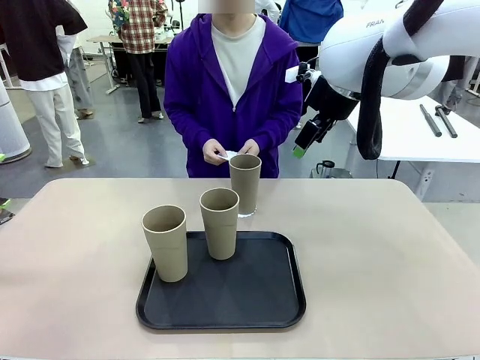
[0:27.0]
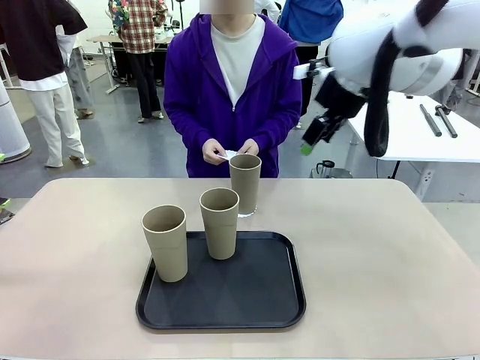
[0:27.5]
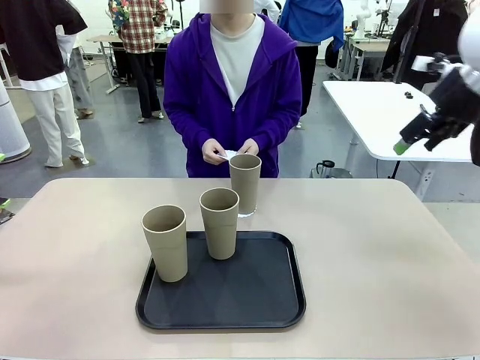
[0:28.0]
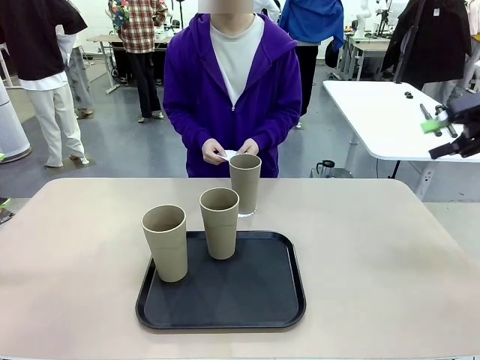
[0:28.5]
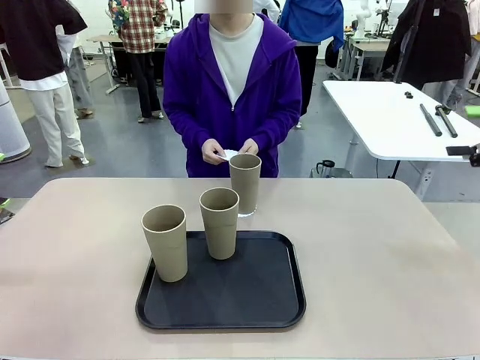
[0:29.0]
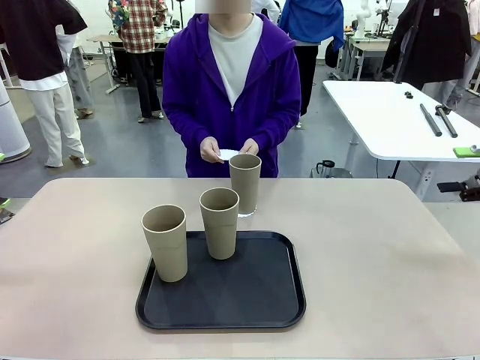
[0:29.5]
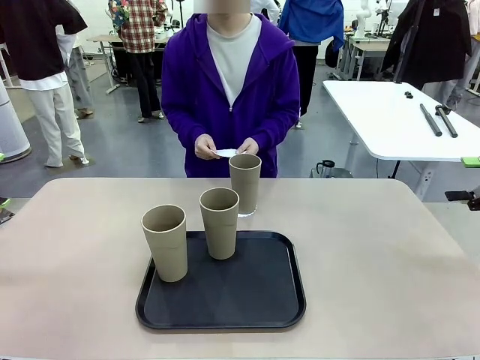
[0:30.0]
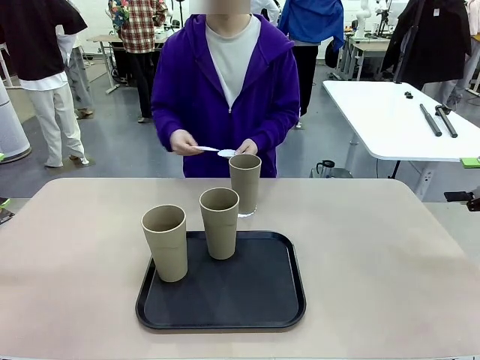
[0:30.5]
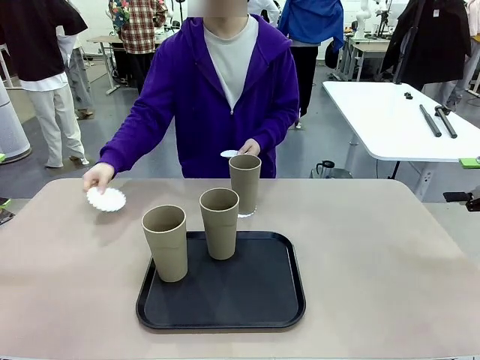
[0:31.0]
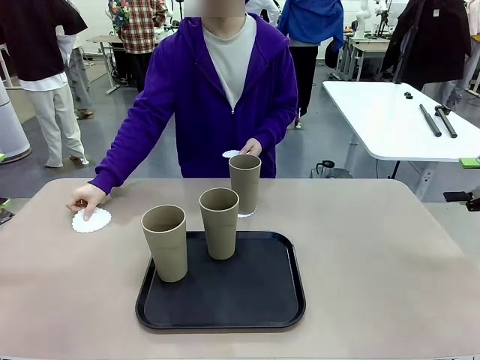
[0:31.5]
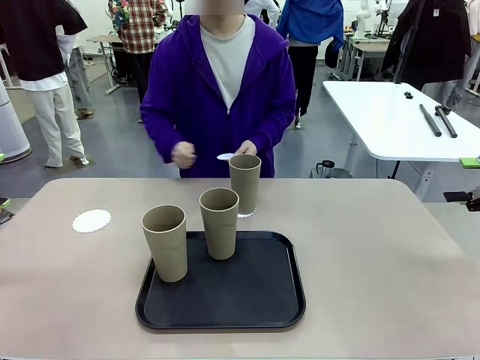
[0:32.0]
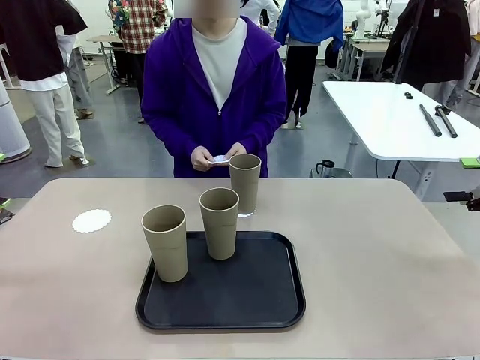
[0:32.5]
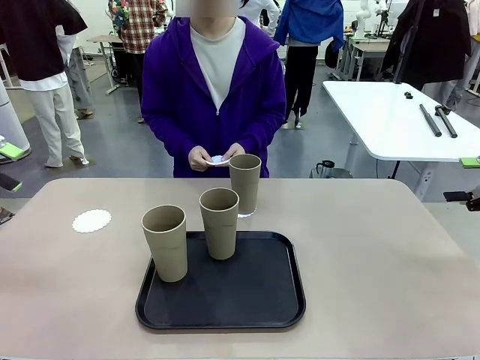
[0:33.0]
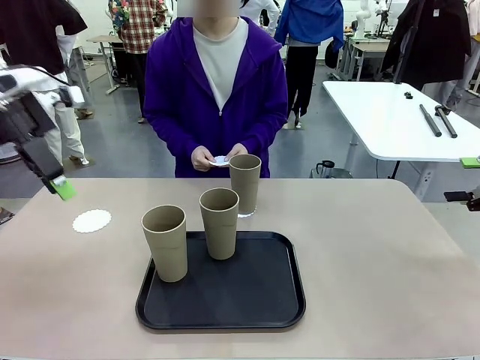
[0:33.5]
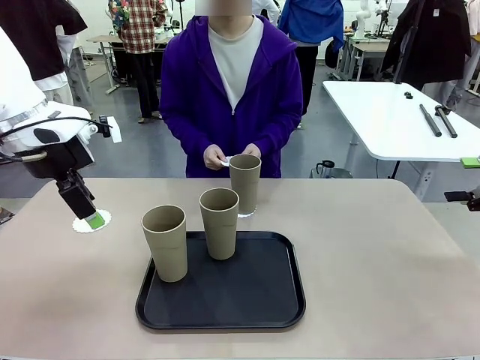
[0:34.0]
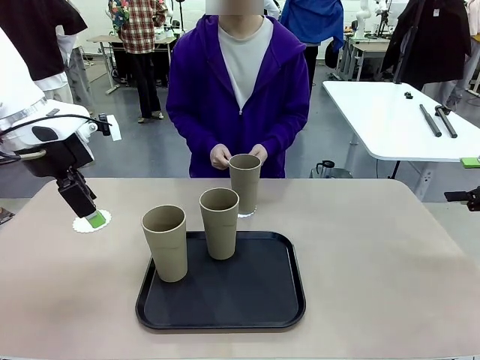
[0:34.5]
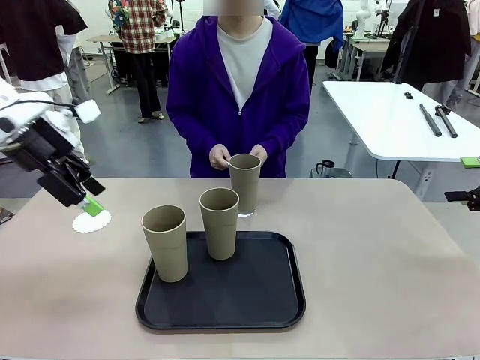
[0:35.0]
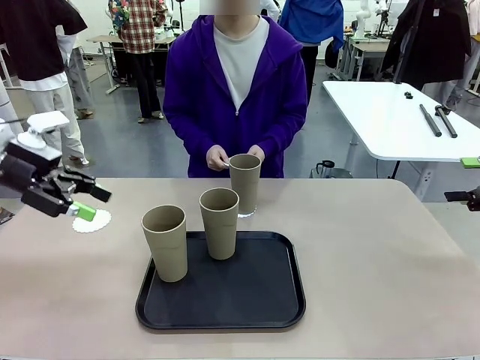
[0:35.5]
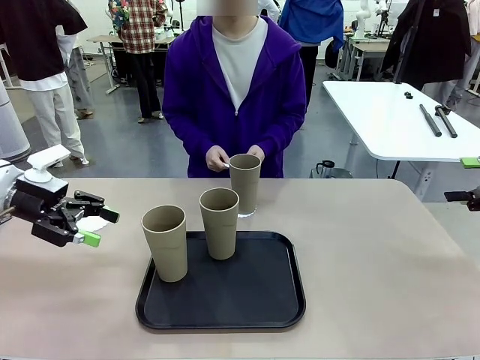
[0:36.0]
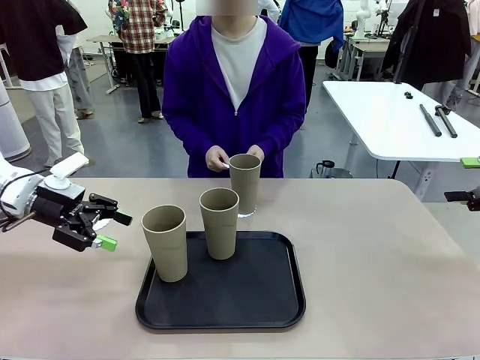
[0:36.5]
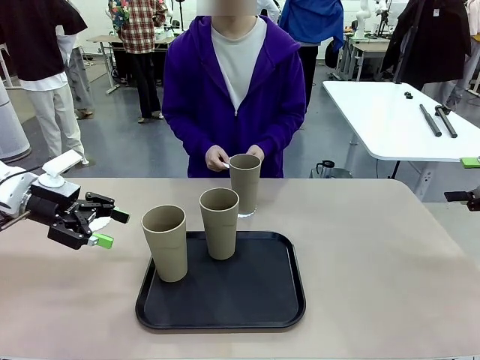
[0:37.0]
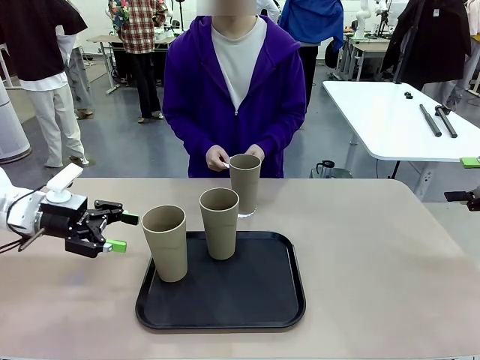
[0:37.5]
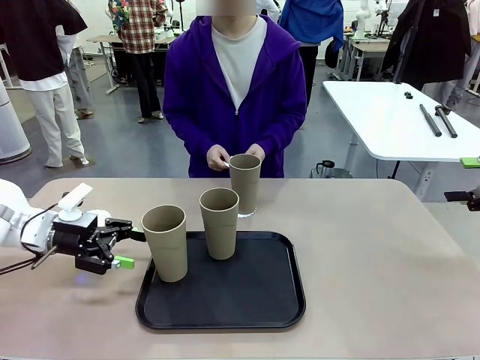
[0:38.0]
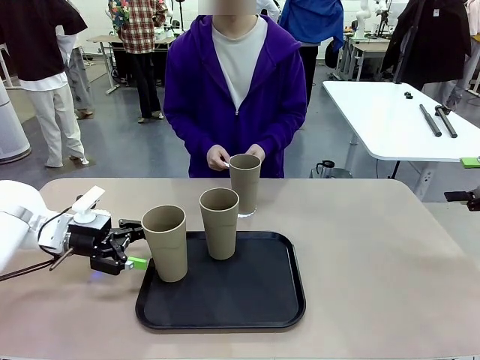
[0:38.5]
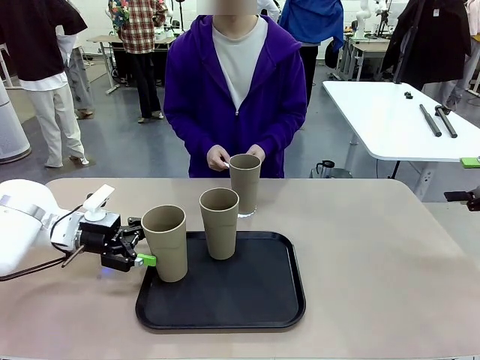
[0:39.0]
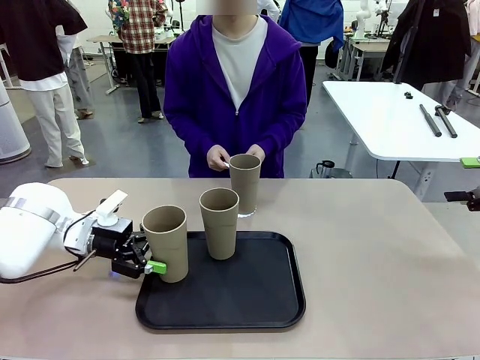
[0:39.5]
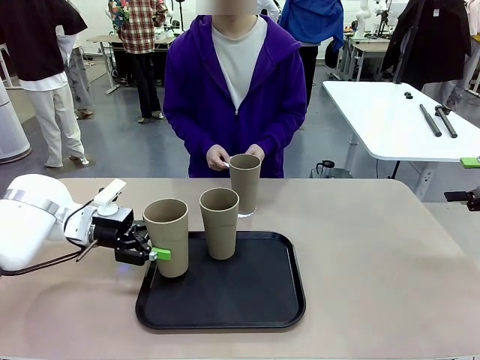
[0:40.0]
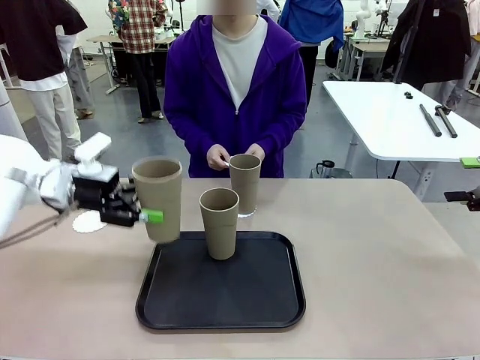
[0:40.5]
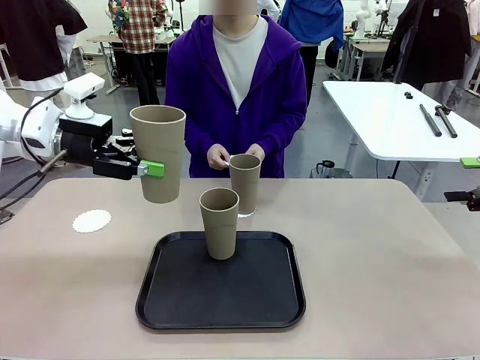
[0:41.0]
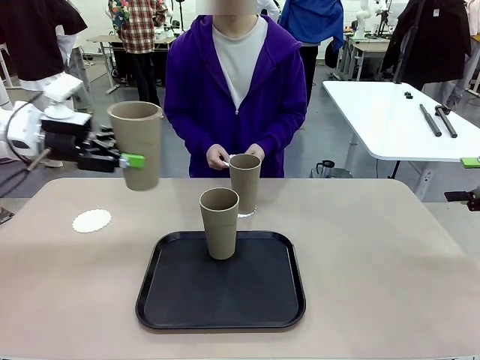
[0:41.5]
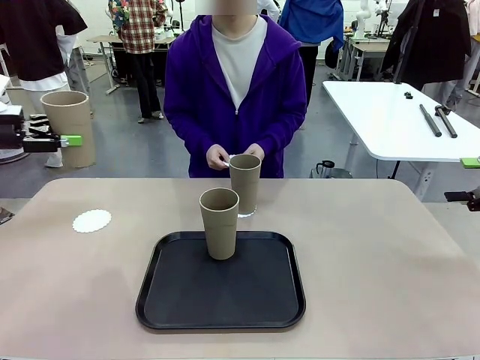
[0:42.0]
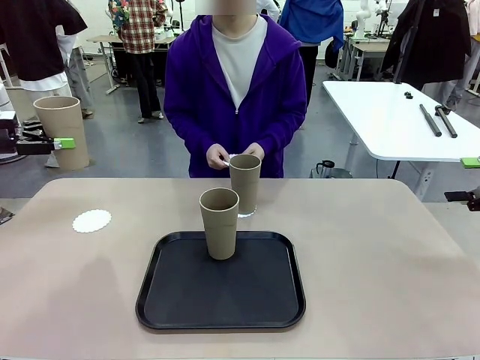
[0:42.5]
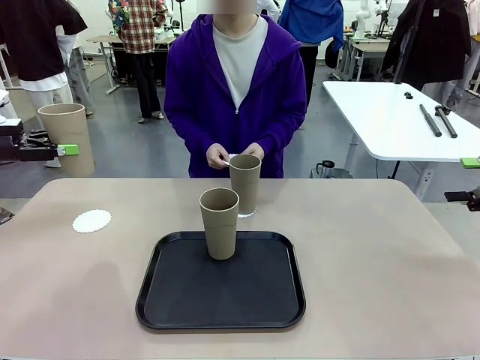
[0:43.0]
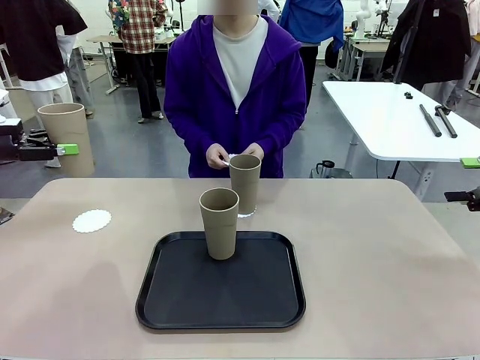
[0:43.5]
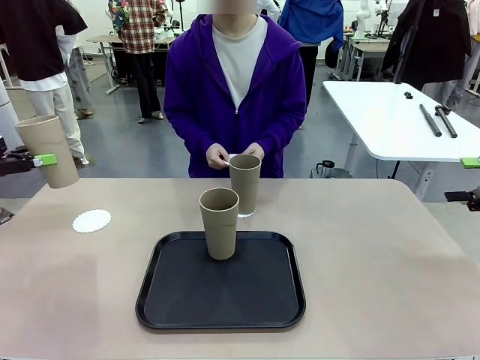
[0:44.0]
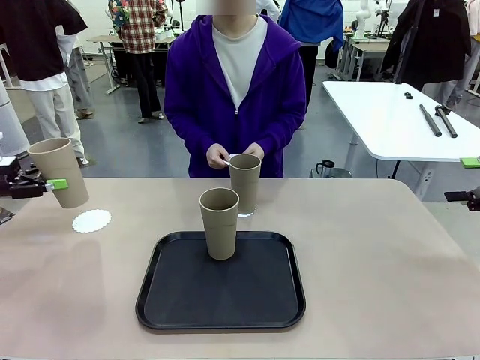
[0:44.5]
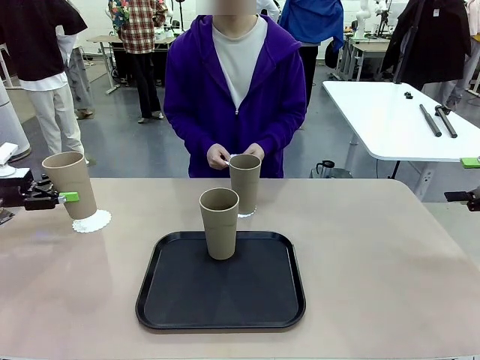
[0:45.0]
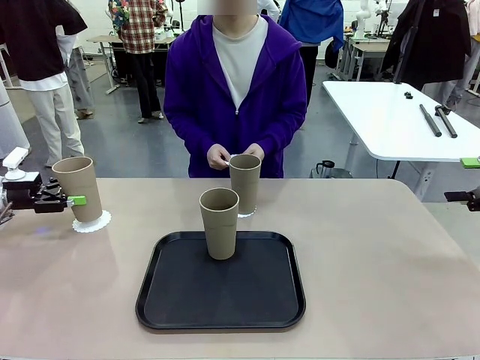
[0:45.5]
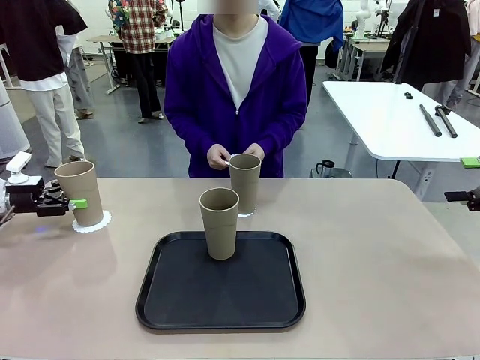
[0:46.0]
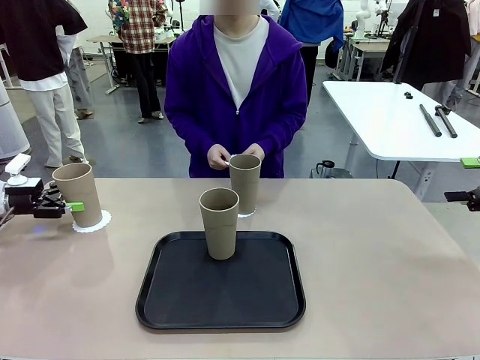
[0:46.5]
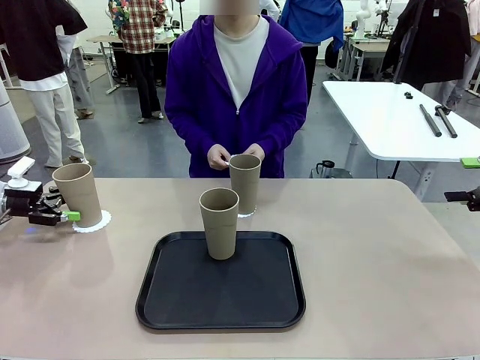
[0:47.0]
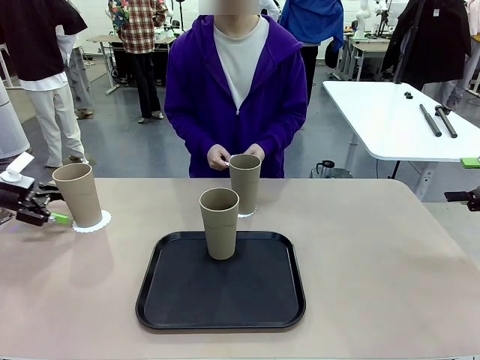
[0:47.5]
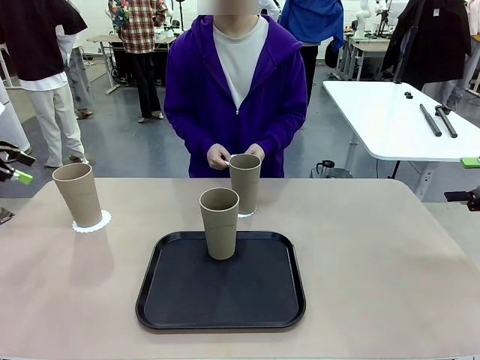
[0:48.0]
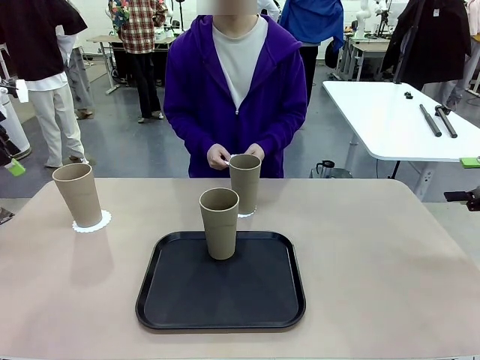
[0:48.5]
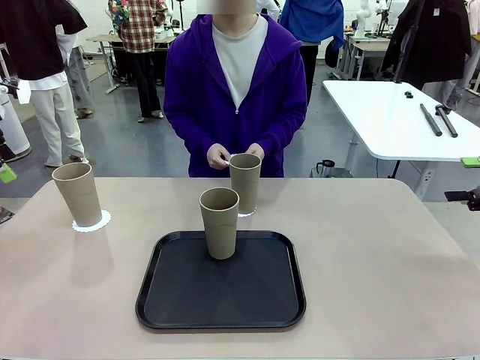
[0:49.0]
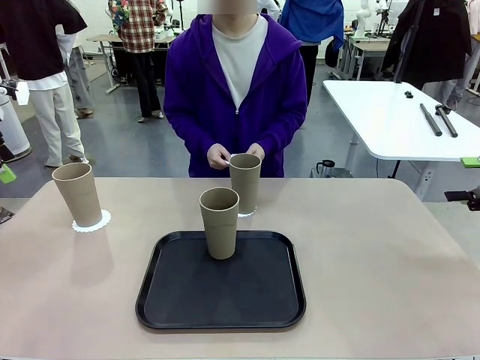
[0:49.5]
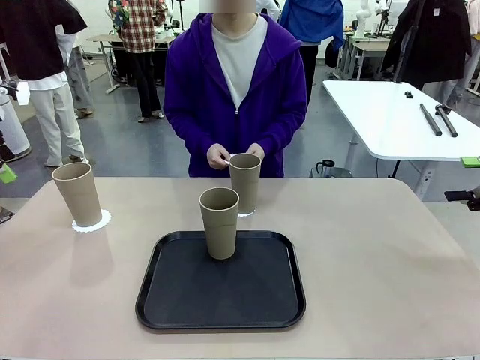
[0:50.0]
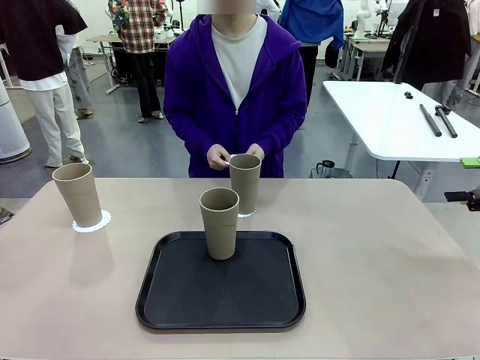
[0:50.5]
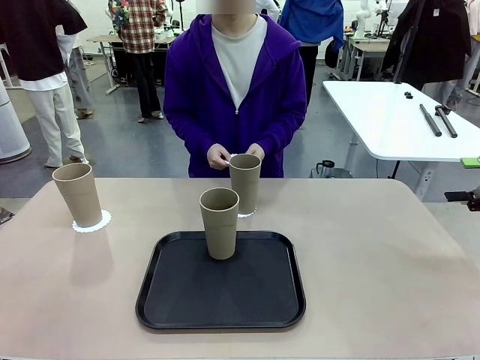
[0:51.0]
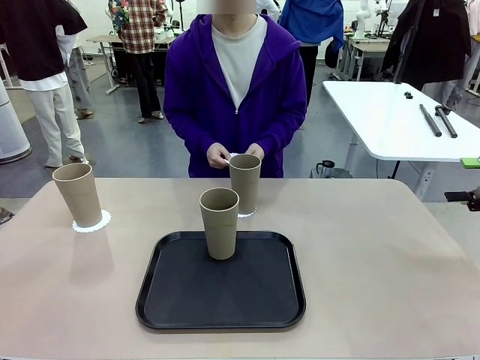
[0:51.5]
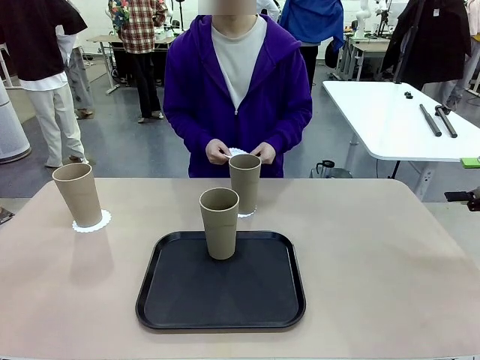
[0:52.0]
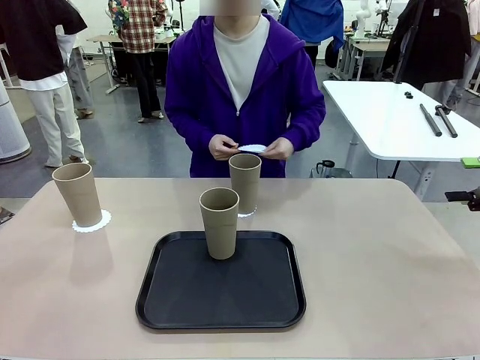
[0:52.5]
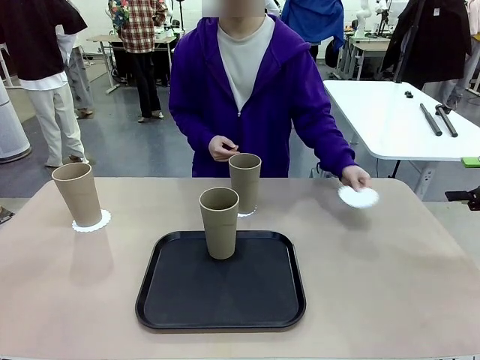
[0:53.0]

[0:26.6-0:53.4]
Task: Place coasters on the table and set cups on them.
Robot: Take one Reusable plastic cup from the Flat Tray and place it on a coaster set by the human.
